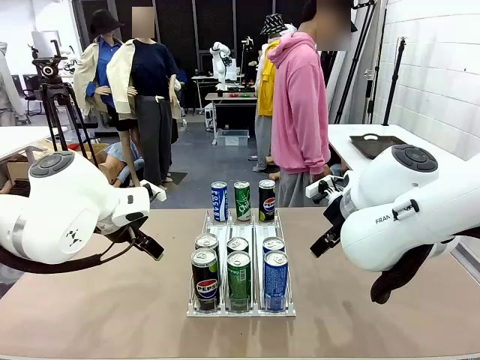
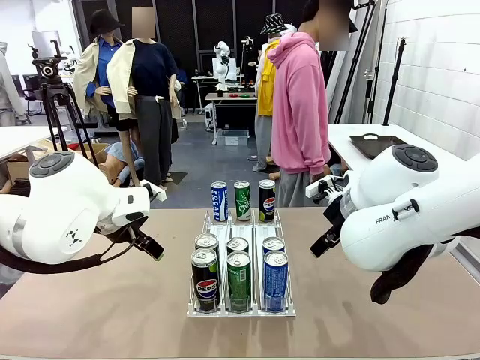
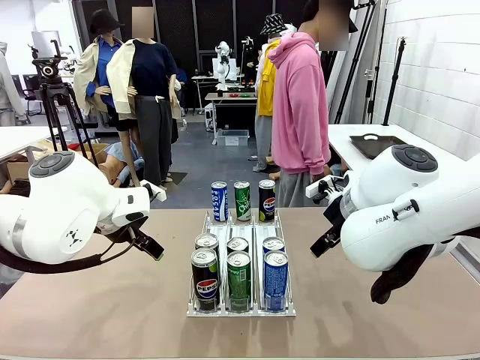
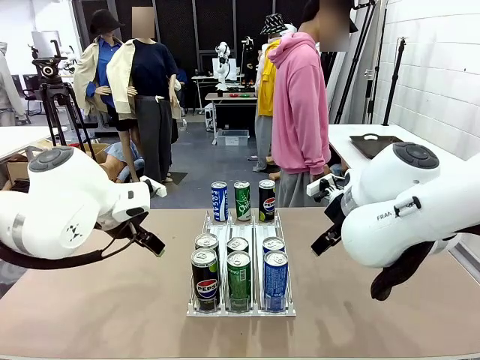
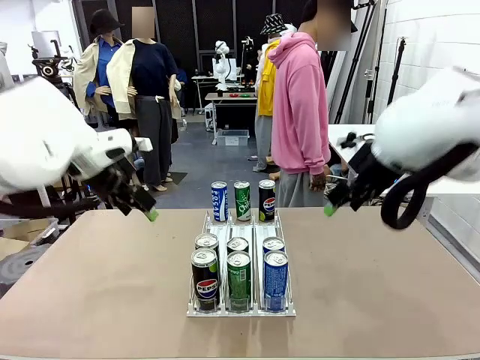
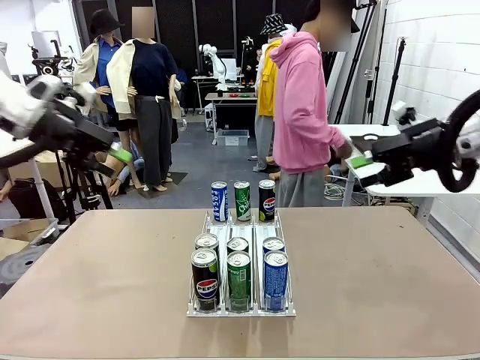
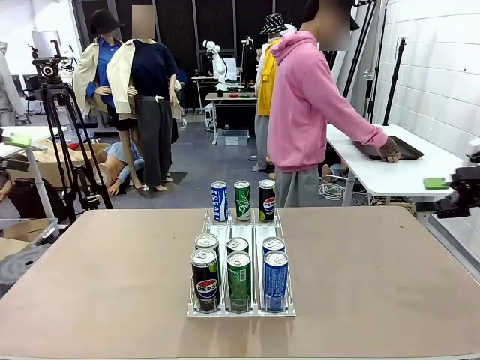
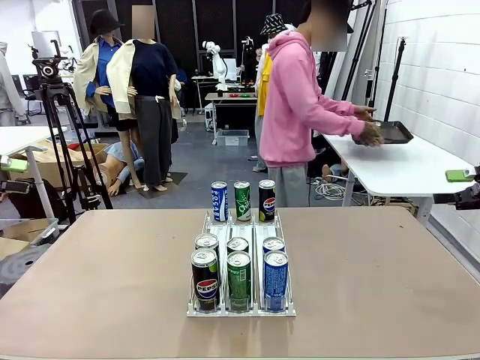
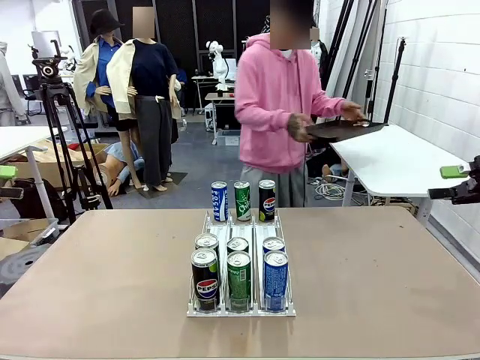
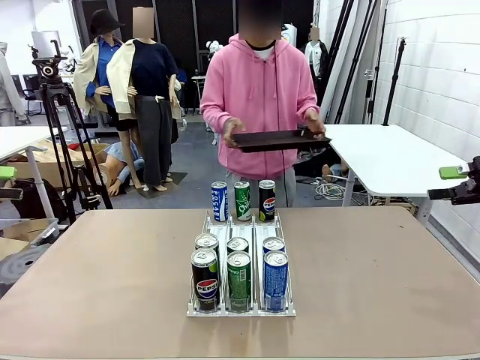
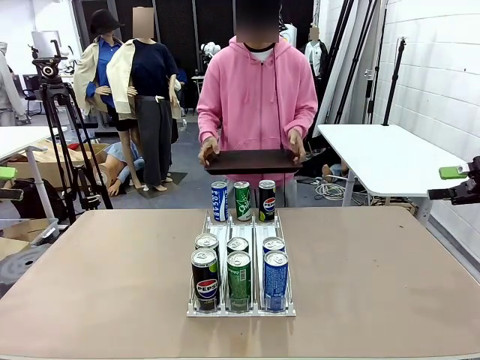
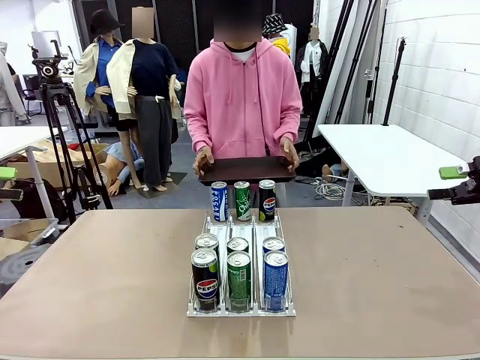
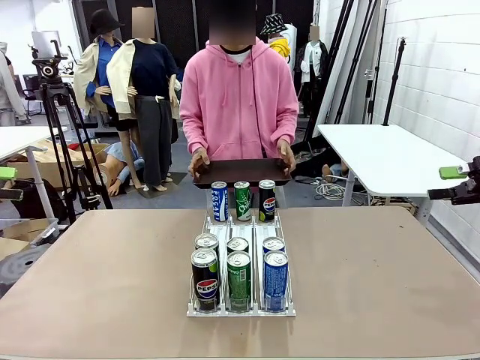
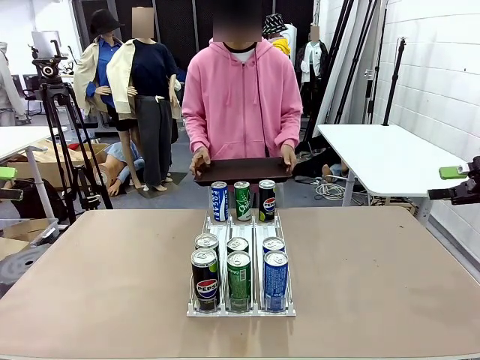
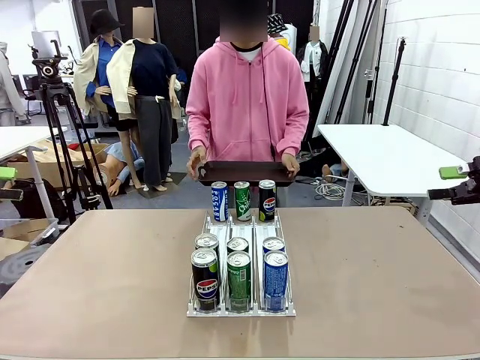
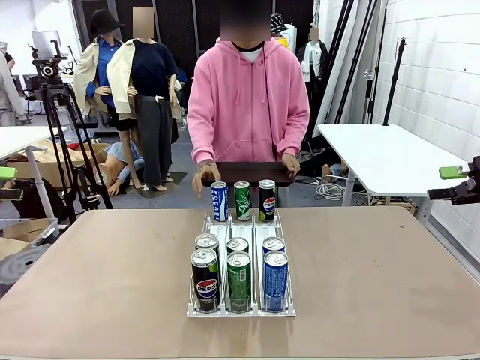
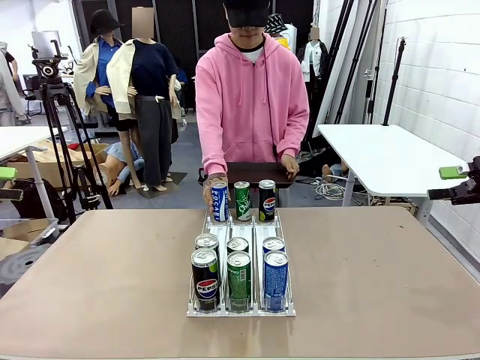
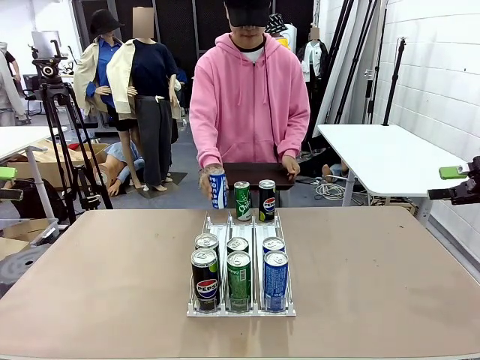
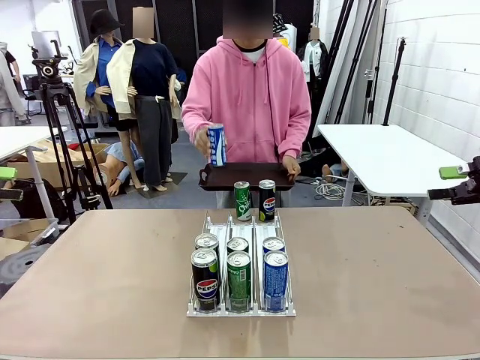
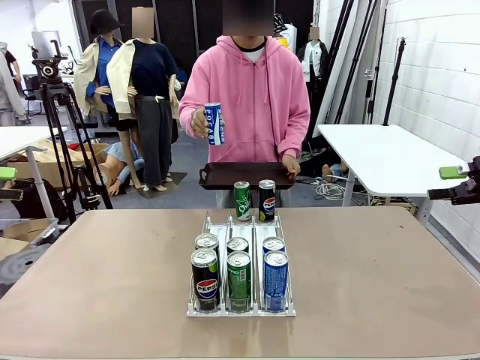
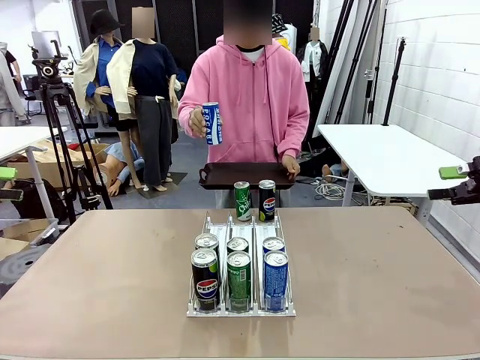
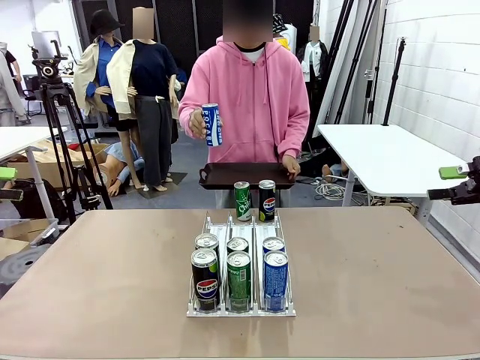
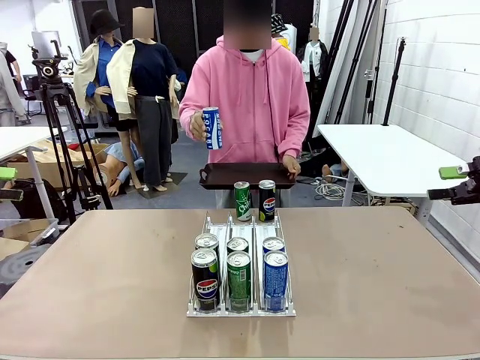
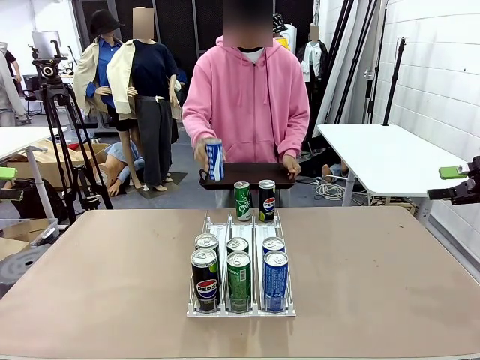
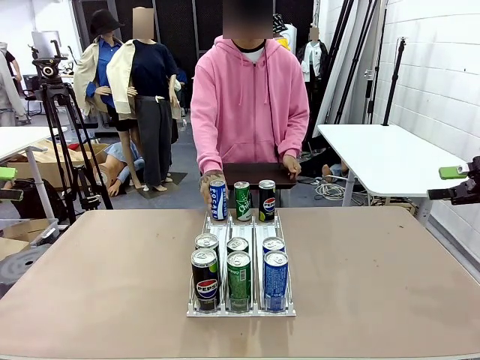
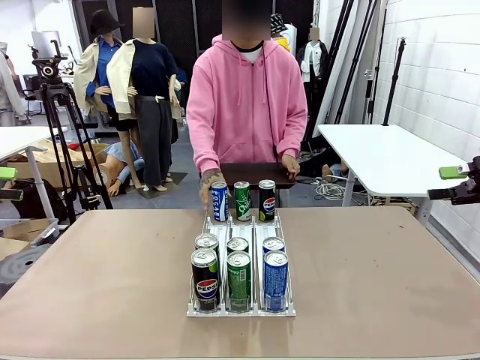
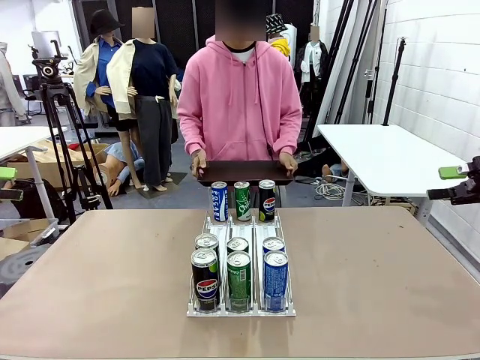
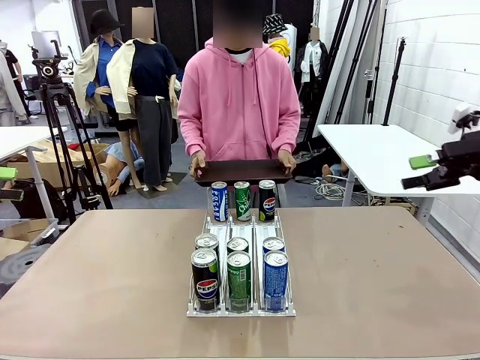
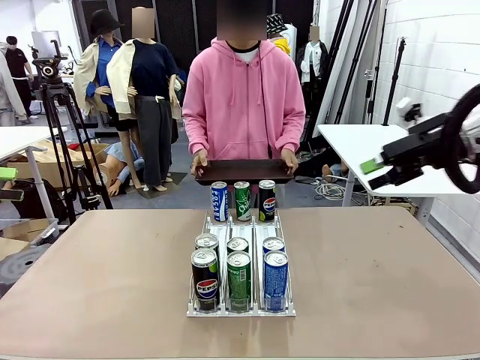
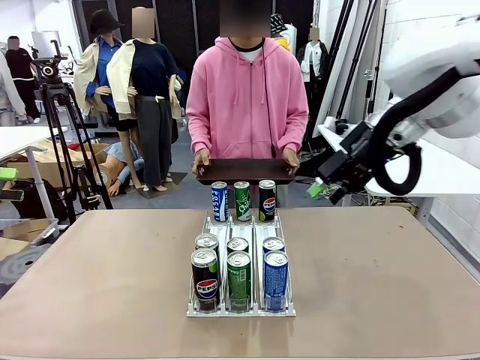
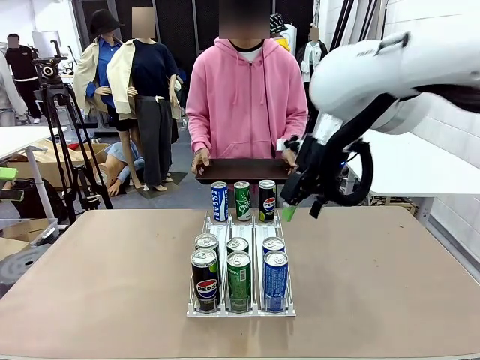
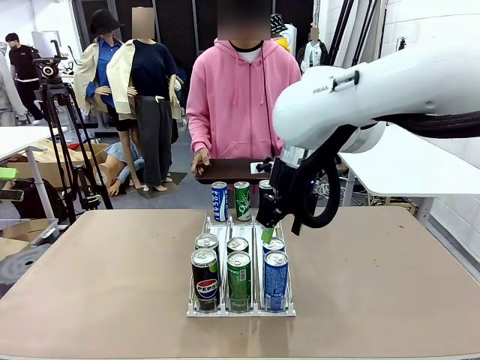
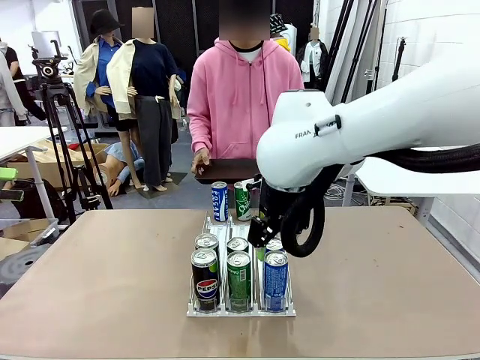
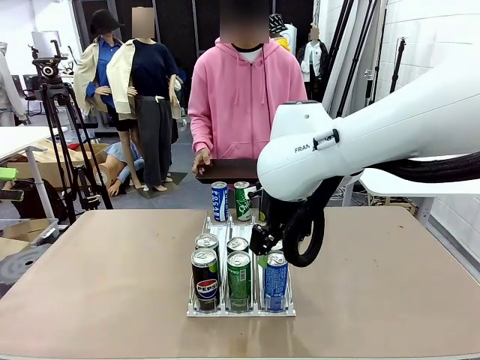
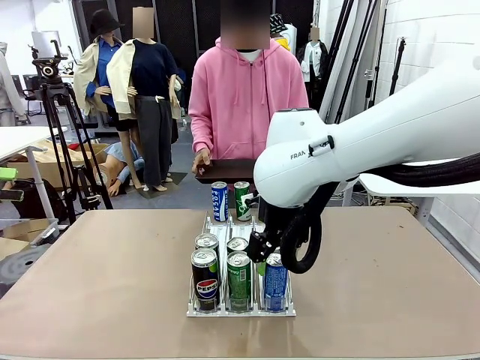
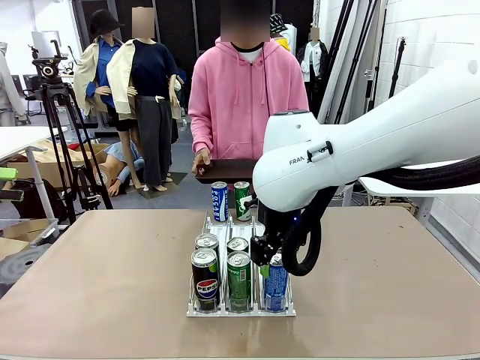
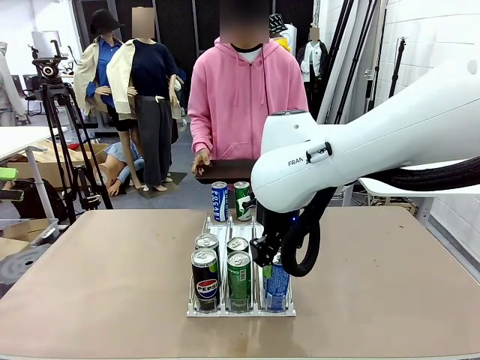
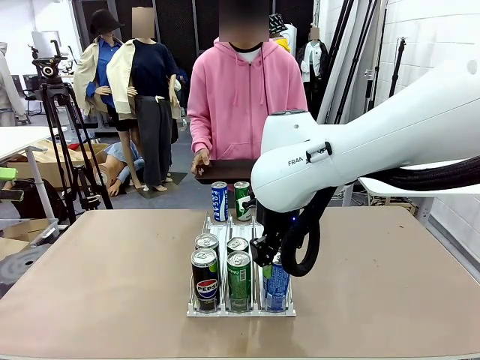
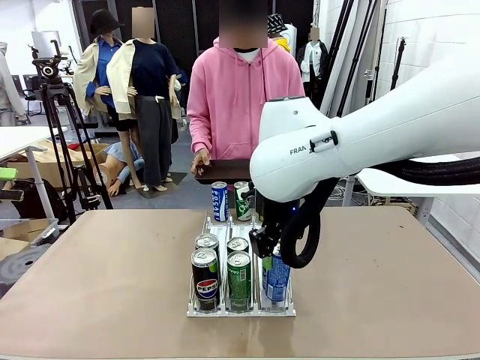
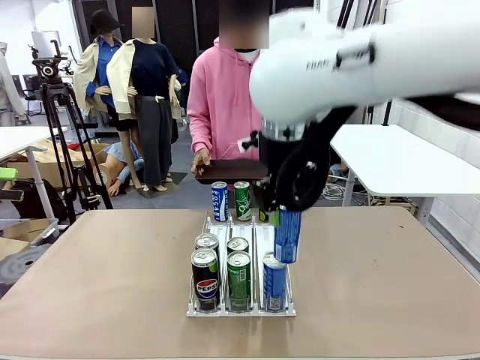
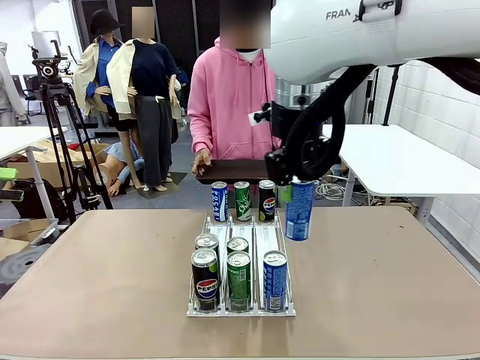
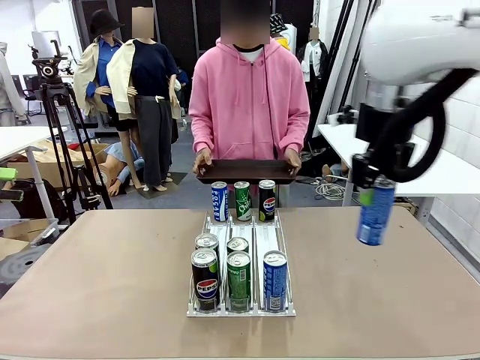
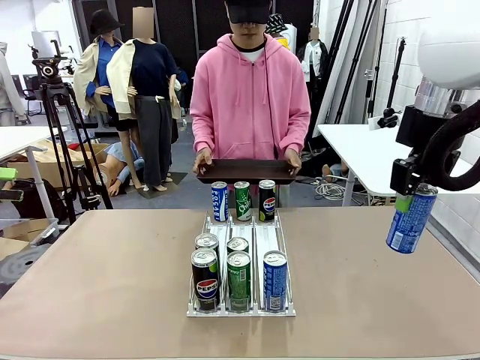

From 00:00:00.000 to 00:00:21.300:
Task: Retrieve and hand over the desired beverage to the person.
Robot: Pick up a can of the same type that the person held from the Automatic Can Dispenser.
Person: Hold the tray and position yourself in front of the robot table. Pick up one can from the bottom area of the table and puts it back in its original place. Push the tray toward the robot.

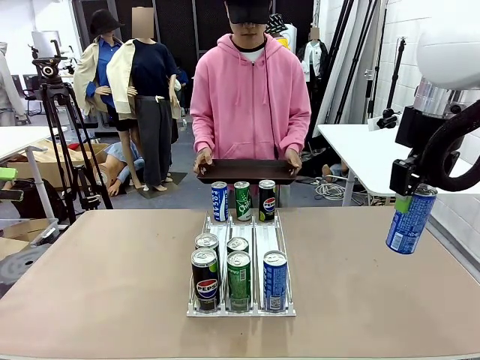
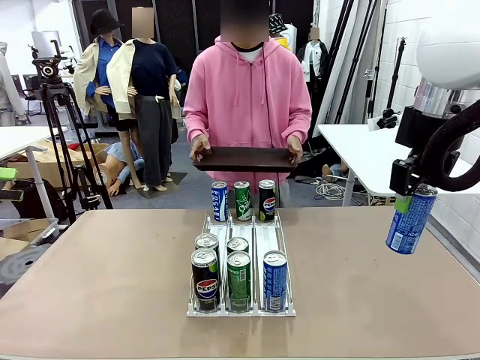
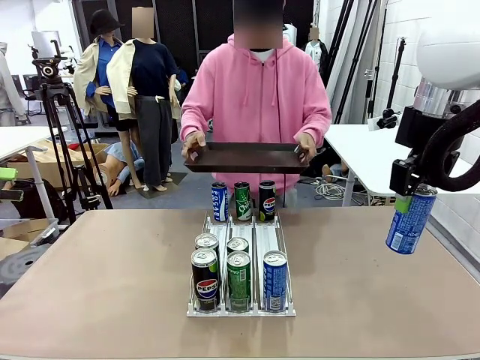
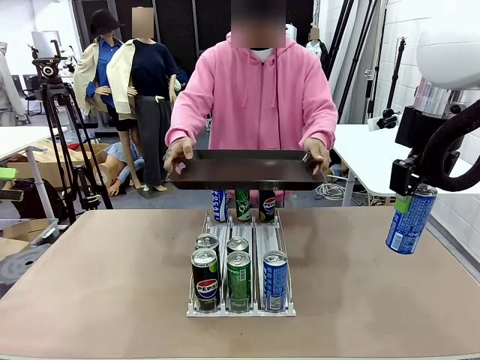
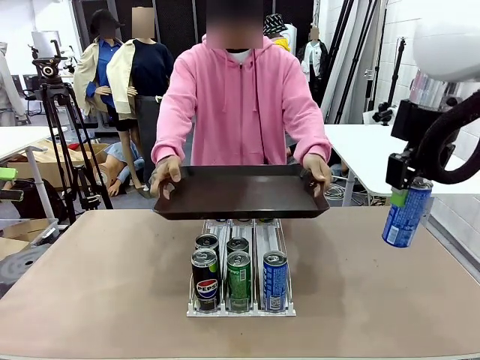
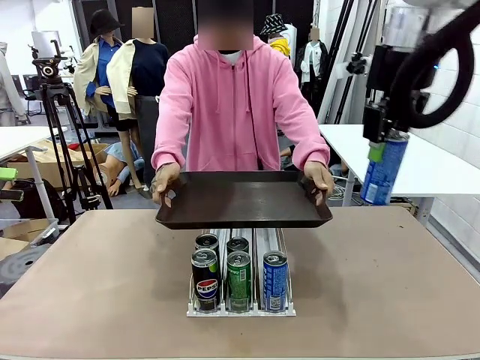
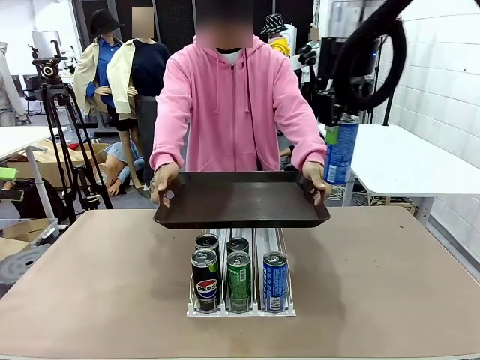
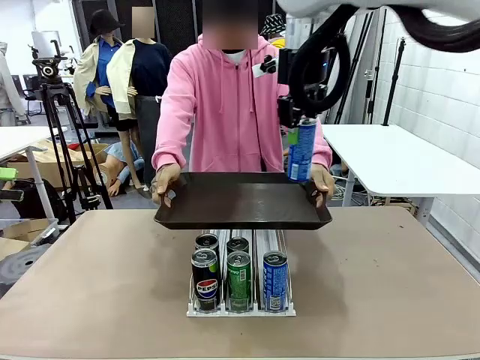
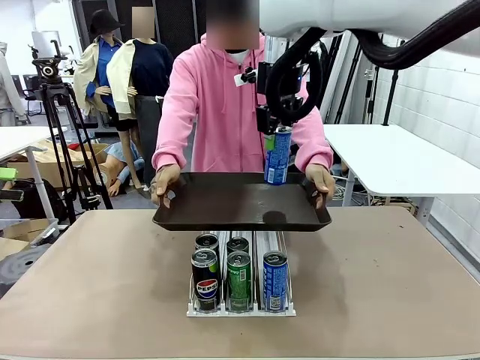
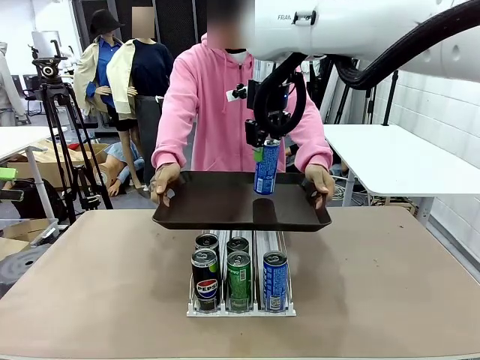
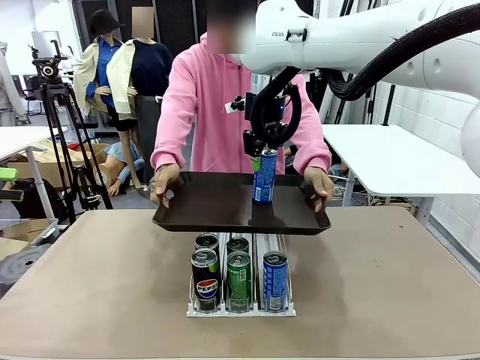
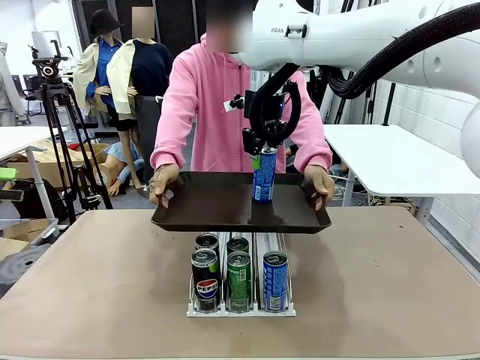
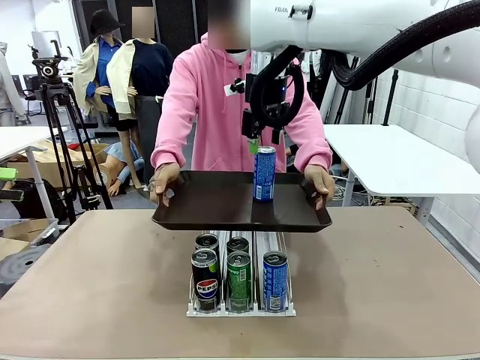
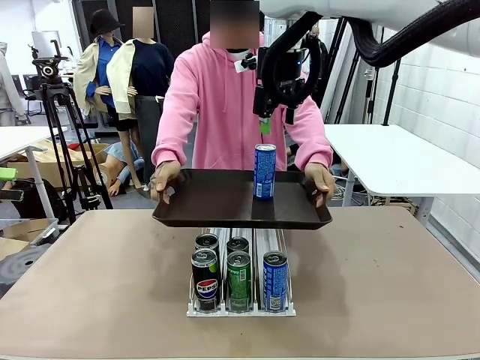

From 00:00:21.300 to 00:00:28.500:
Robot: Place the picked can on the Handle tray extended by the person.
